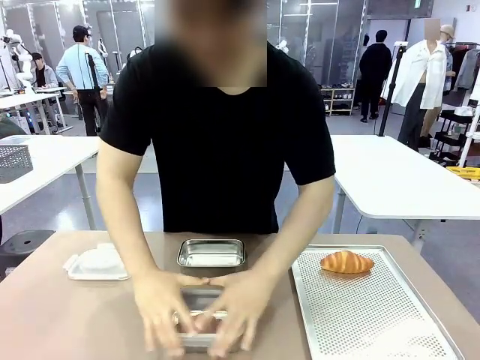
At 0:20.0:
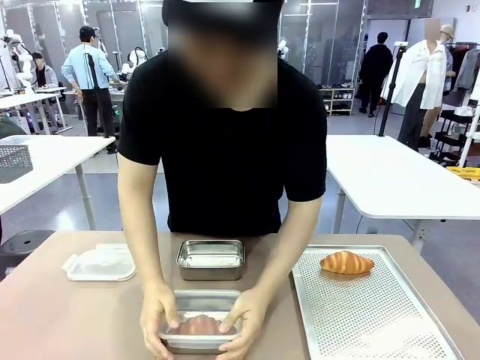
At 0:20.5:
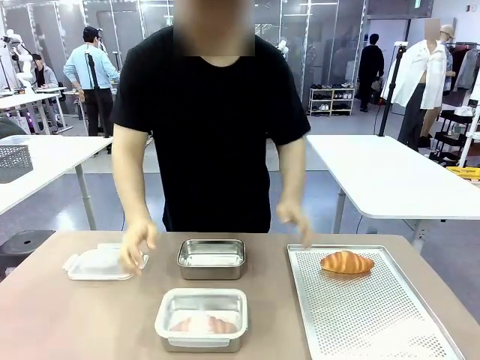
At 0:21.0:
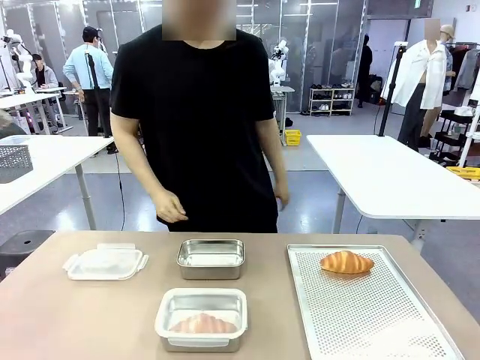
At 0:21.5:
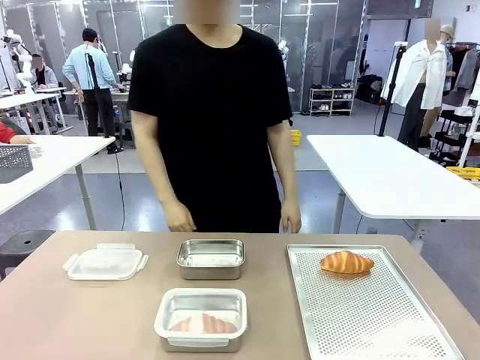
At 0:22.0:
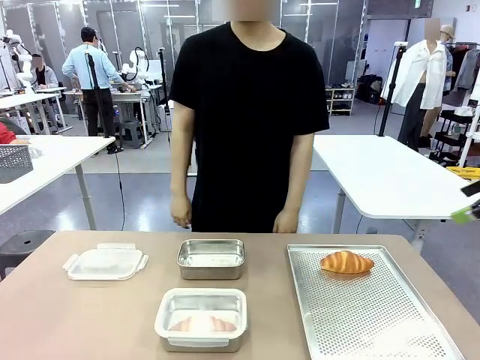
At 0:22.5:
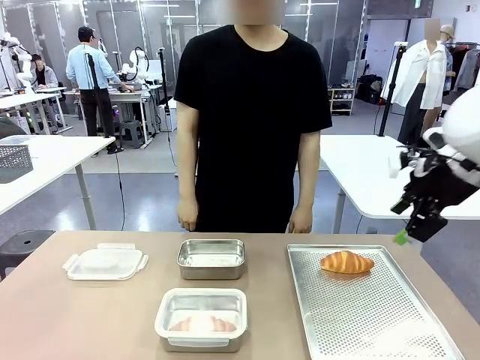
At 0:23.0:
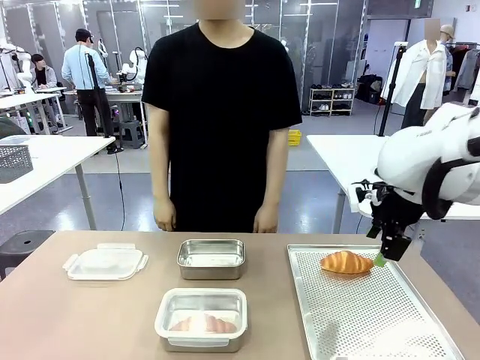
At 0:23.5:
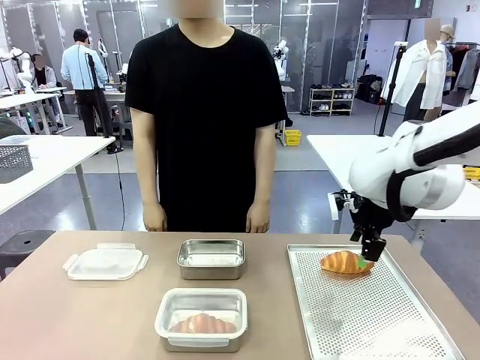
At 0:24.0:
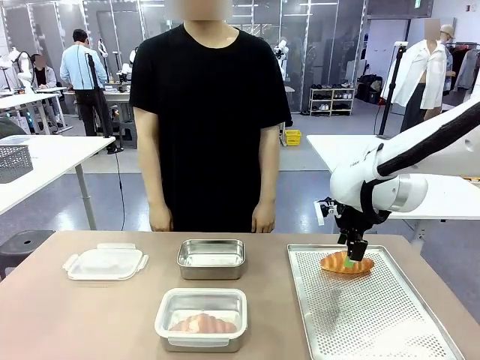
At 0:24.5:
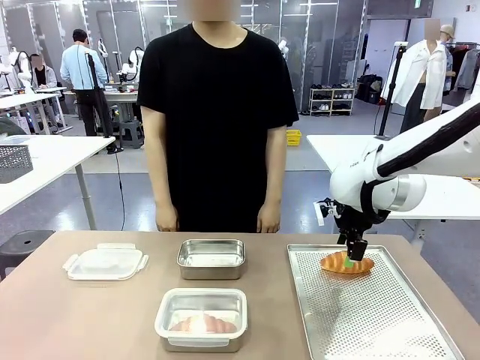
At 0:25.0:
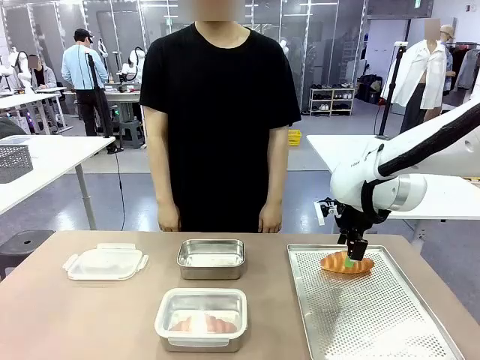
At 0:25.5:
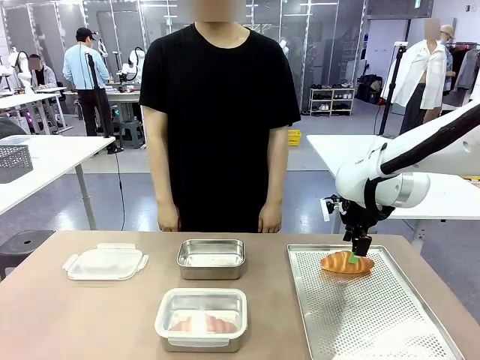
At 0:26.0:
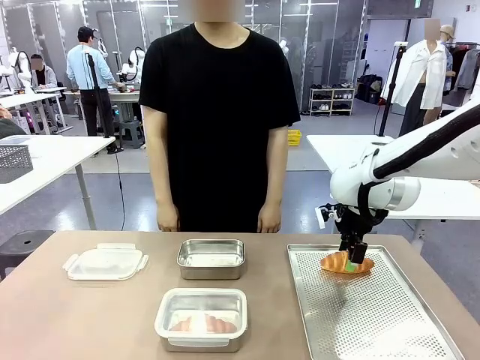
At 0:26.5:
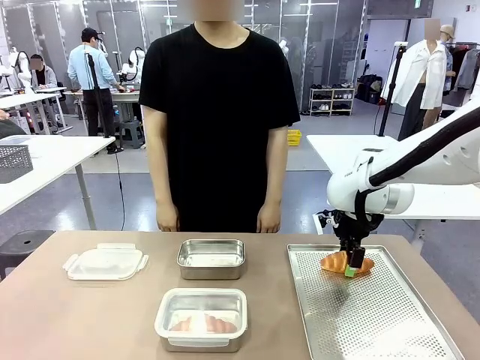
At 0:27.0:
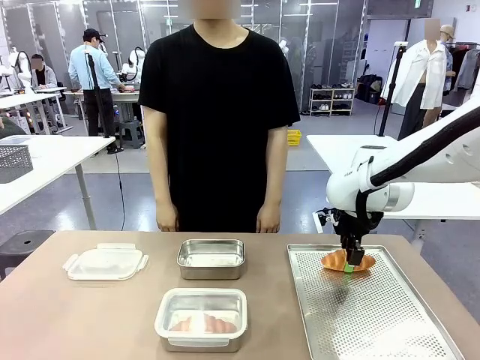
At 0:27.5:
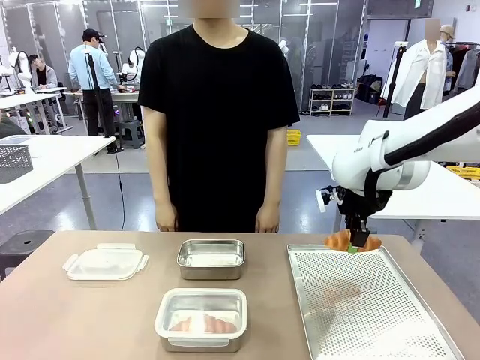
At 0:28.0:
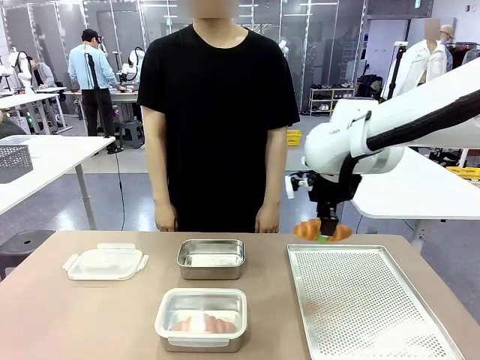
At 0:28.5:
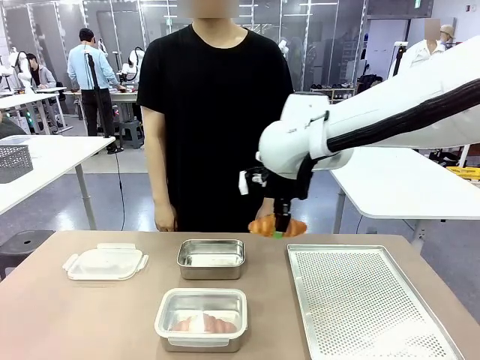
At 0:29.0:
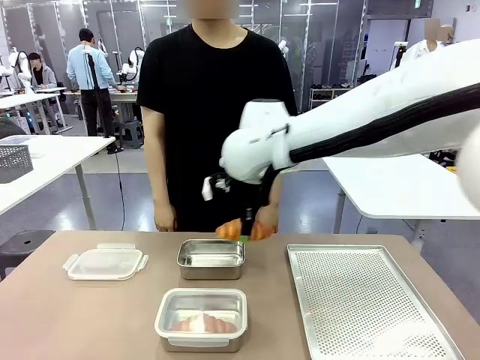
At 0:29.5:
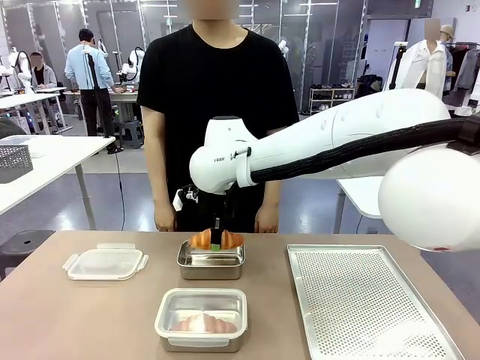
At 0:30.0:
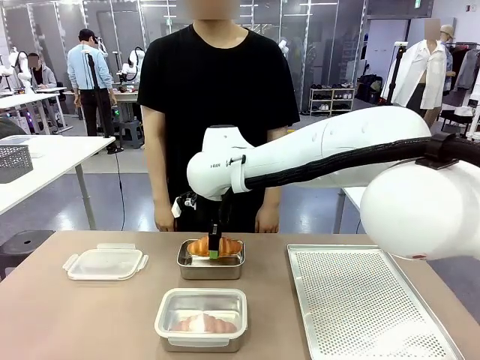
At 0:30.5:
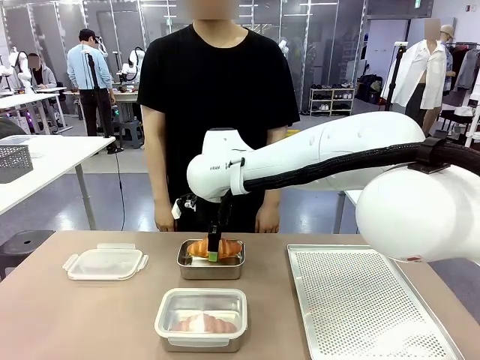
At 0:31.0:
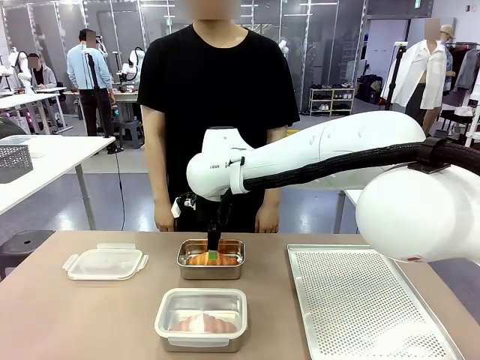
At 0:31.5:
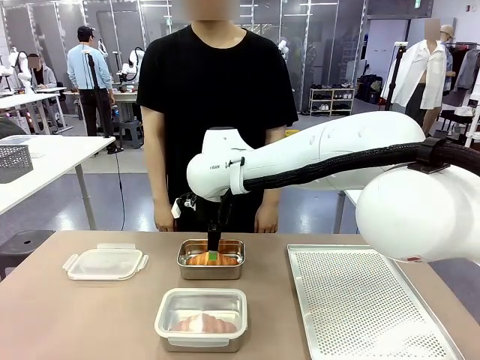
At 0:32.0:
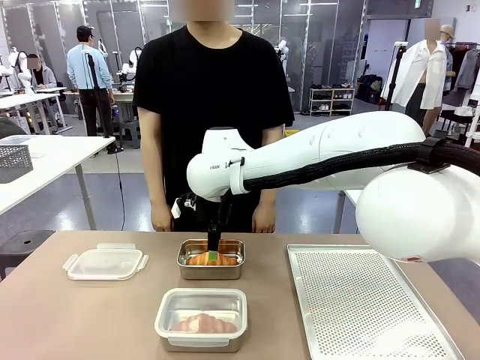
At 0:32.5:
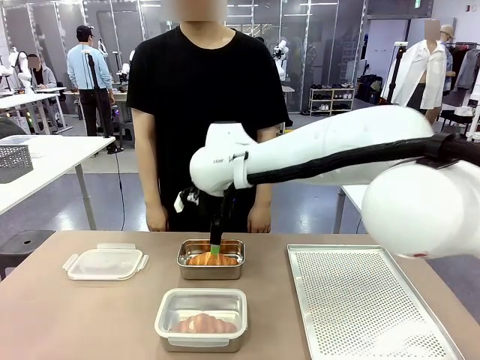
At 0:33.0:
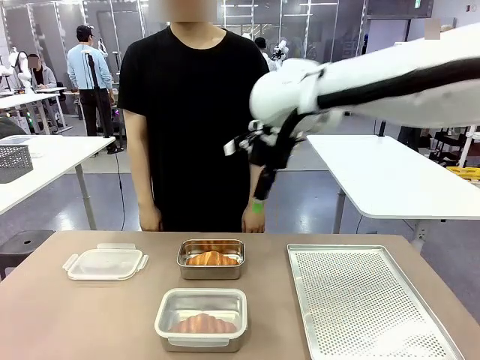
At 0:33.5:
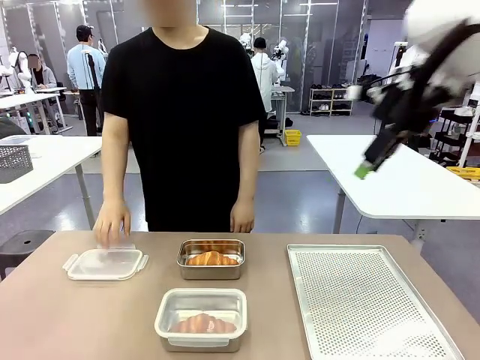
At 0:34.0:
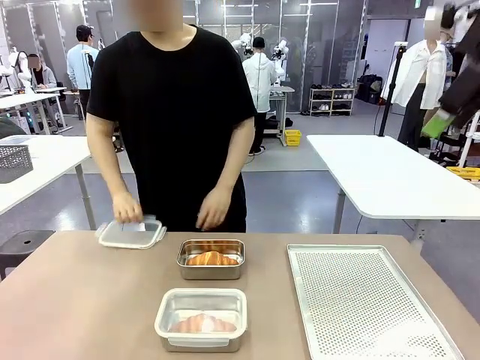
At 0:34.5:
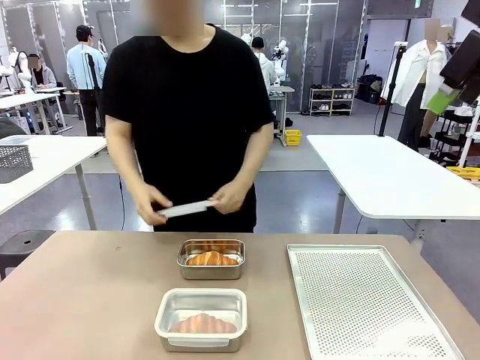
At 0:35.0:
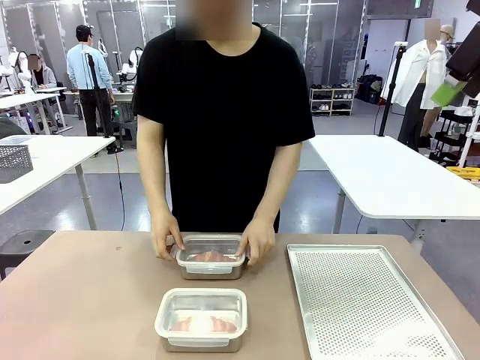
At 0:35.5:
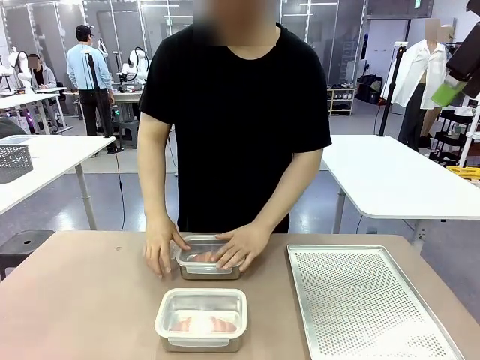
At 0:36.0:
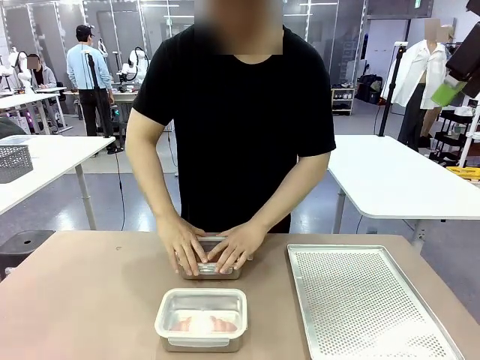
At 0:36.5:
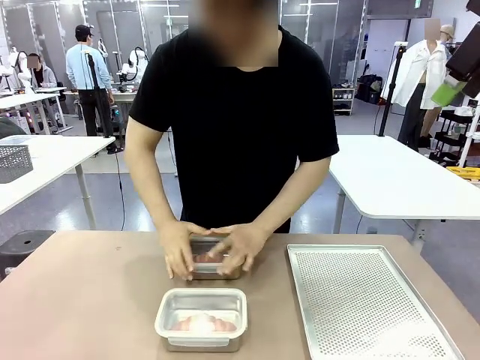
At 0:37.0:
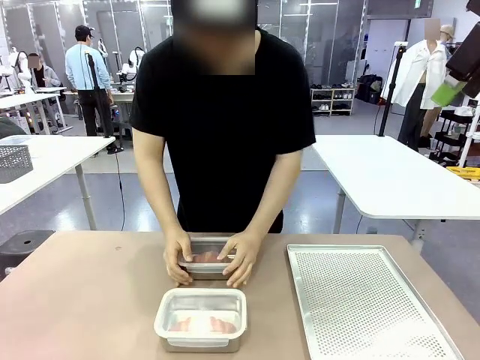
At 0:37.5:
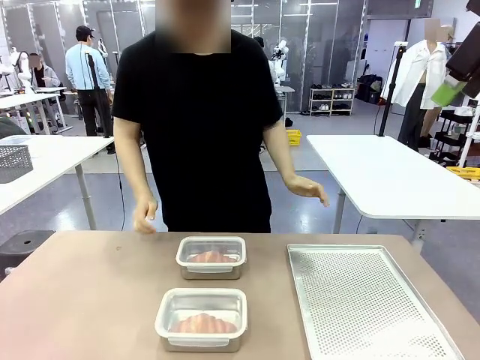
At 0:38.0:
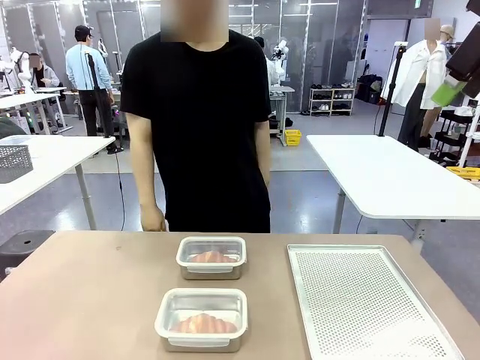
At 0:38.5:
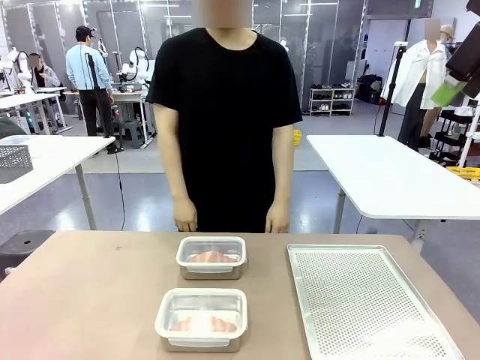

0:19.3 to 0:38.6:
Task: Place the bread into the airtight container.
Robot: Pick up a Butter Roll and place it into an empty Airtight Container.
